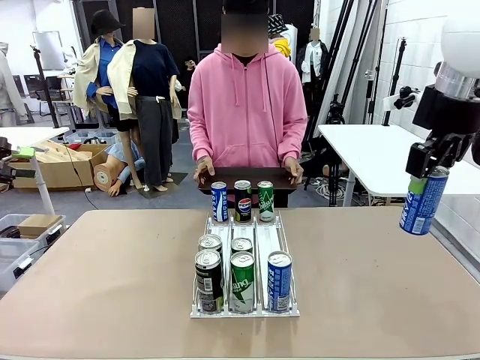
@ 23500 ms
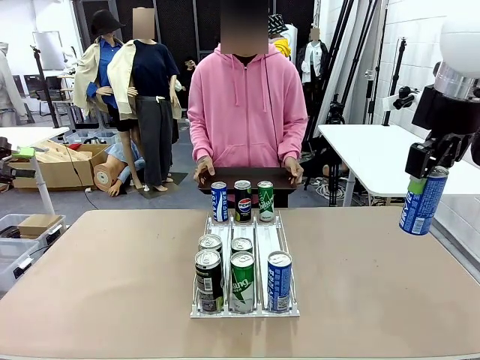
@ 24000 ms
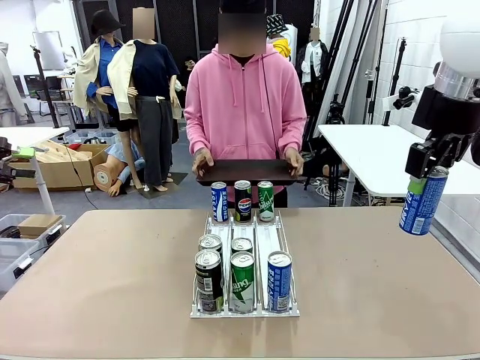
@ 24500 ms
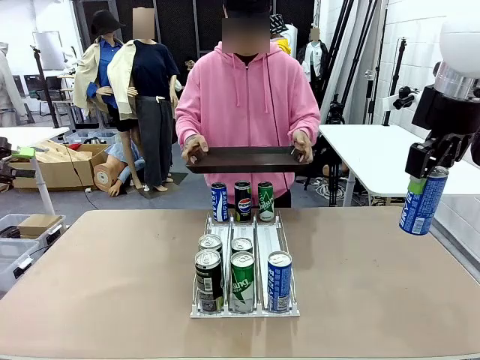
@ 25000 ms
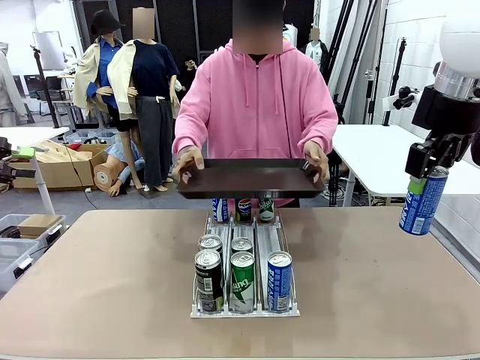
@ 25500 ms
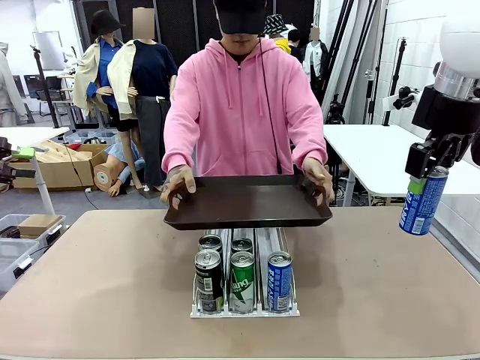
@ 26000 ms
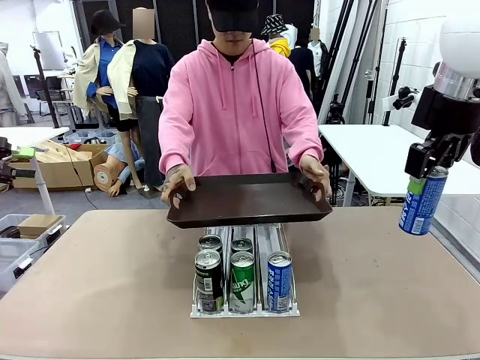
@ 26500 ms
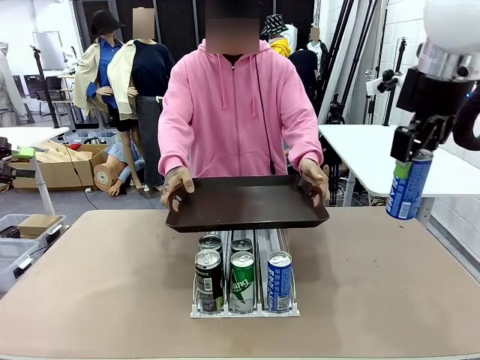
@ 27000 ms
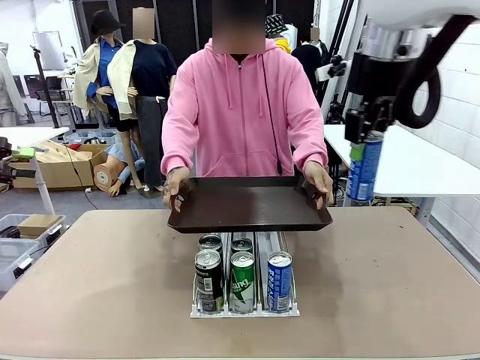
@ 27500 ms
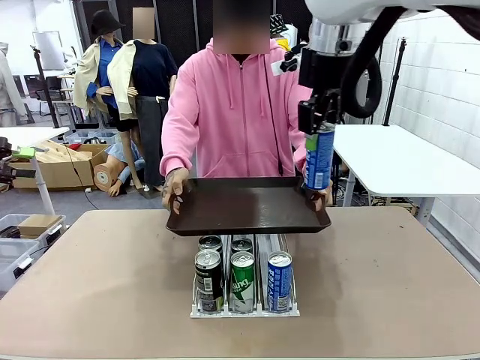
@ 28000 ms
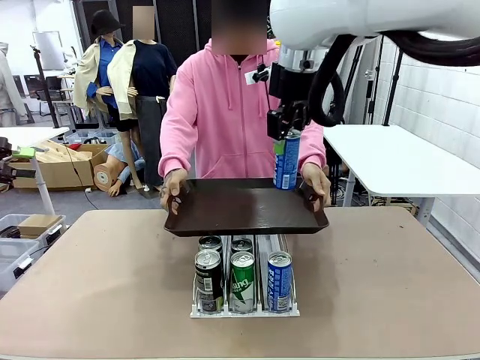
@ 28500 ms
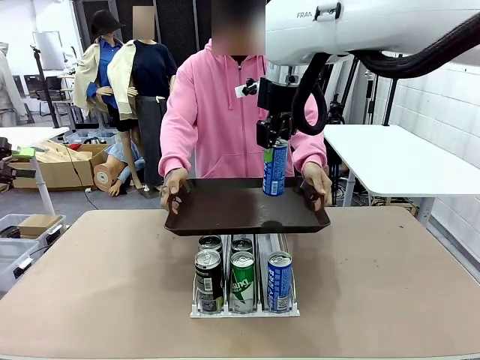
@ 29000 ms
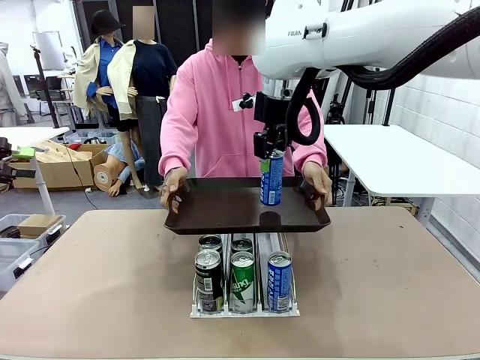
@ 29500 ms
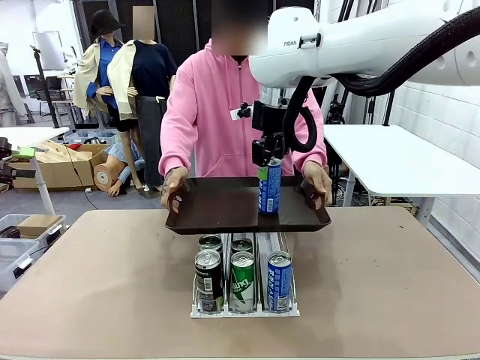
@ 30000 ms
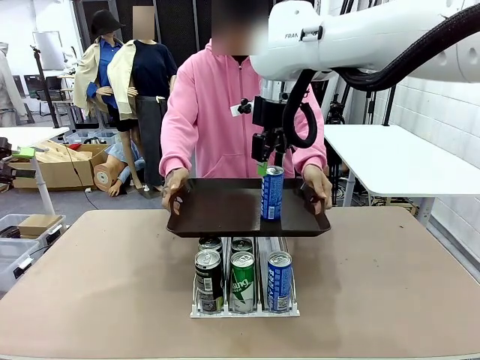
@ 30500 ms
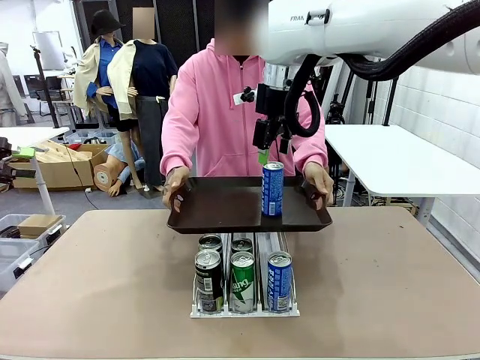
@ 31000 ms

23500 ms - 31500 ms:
Task: Retrieve and hand over the desired beverage to the person.
Robot: Place the picked can on the Handle tray extended by the person.

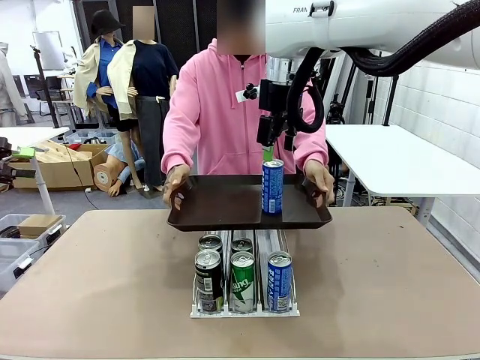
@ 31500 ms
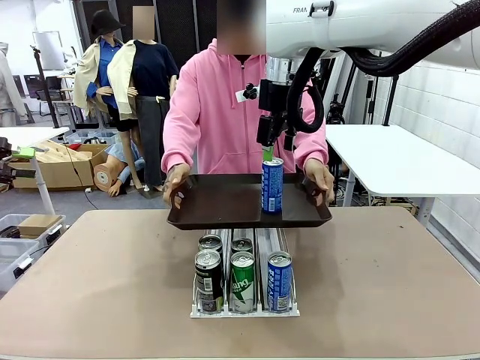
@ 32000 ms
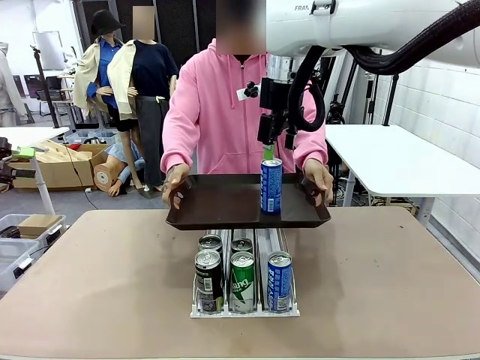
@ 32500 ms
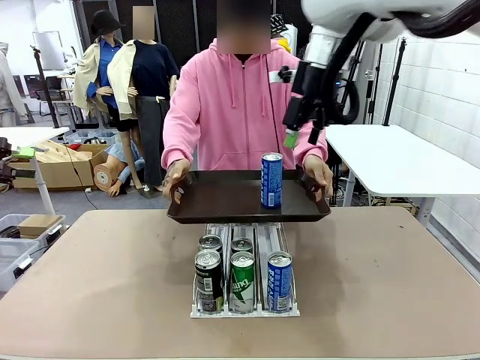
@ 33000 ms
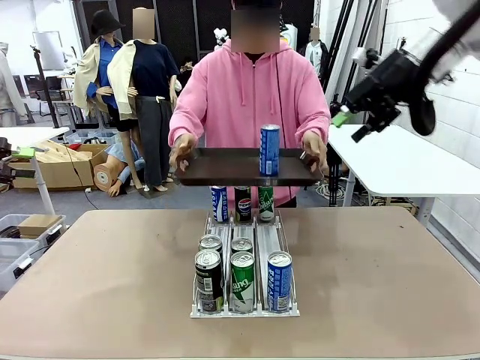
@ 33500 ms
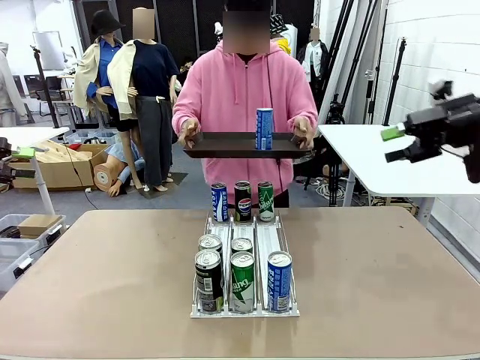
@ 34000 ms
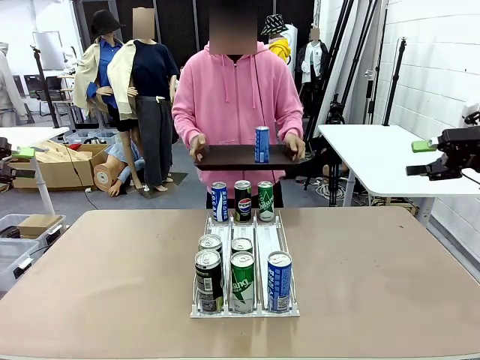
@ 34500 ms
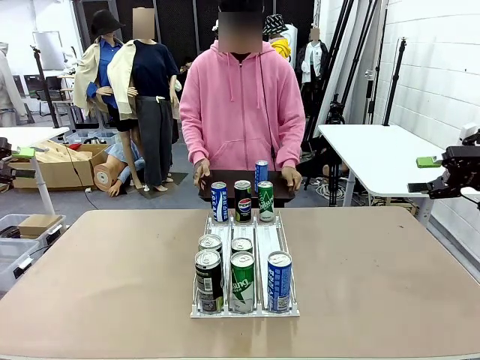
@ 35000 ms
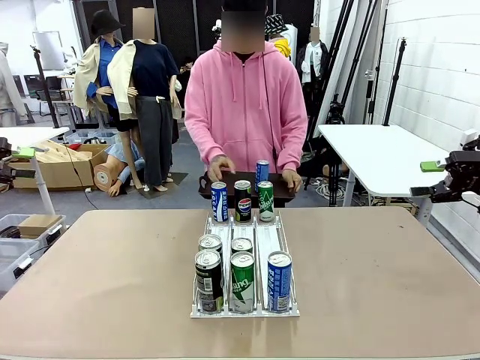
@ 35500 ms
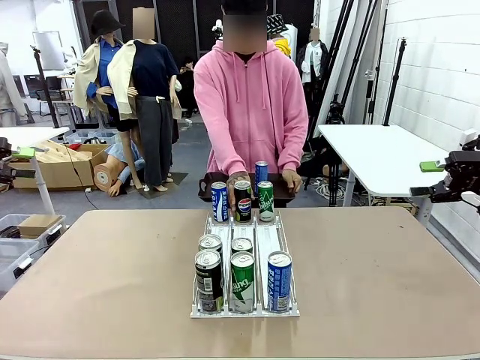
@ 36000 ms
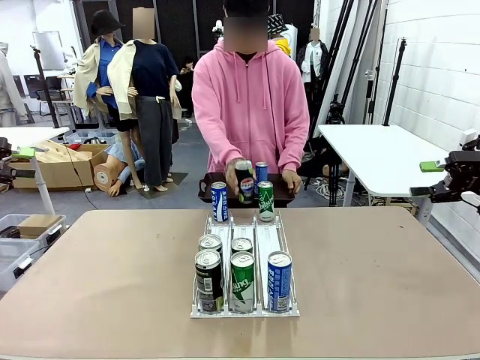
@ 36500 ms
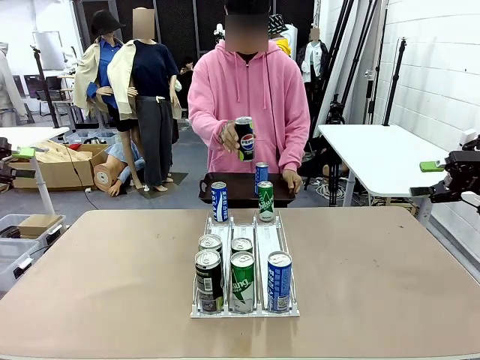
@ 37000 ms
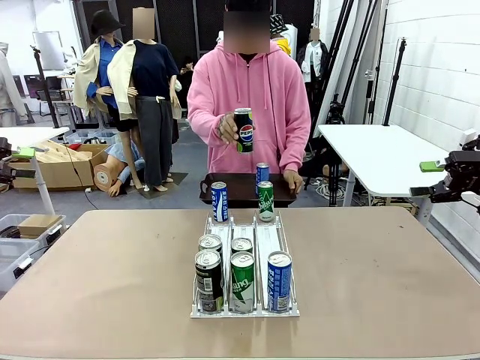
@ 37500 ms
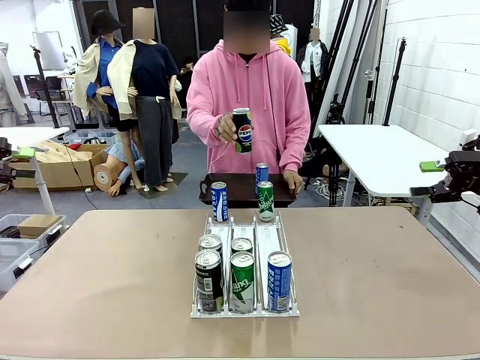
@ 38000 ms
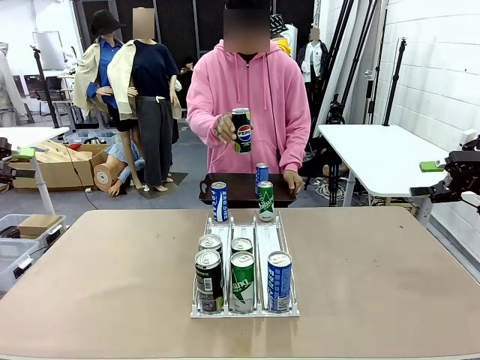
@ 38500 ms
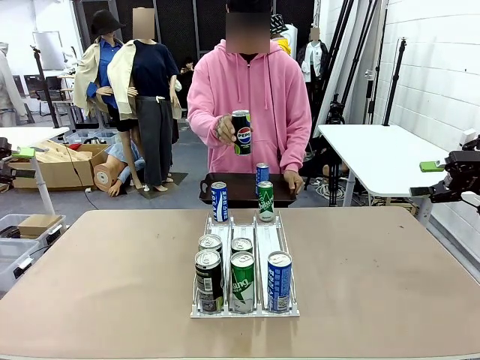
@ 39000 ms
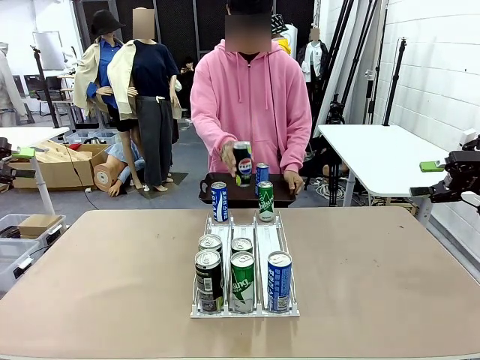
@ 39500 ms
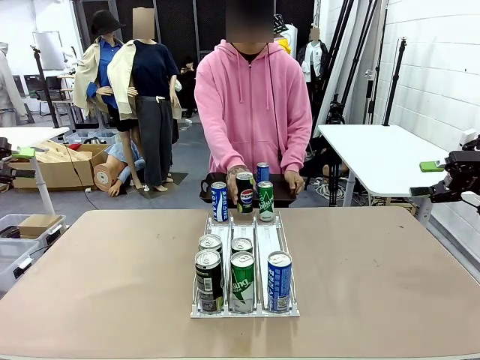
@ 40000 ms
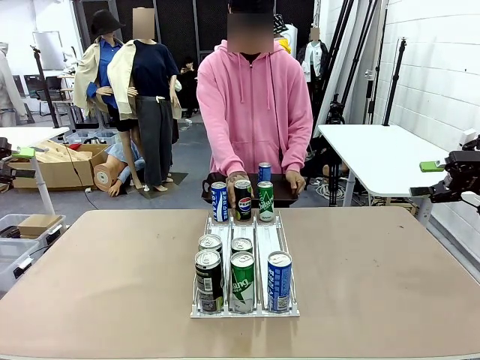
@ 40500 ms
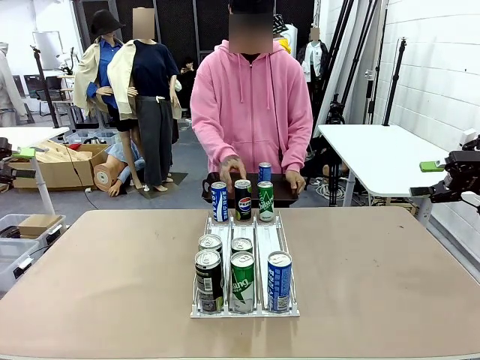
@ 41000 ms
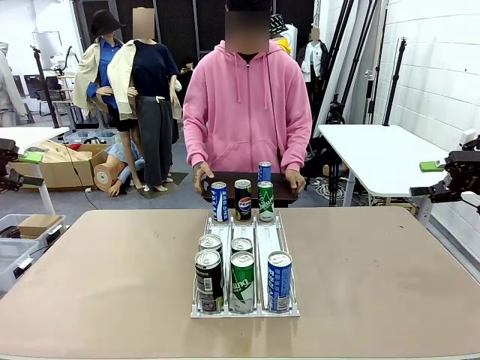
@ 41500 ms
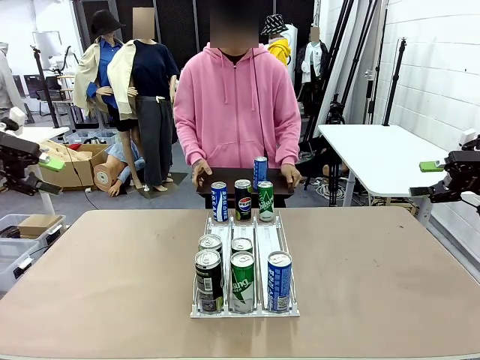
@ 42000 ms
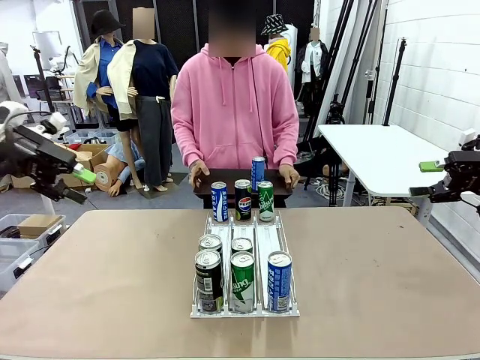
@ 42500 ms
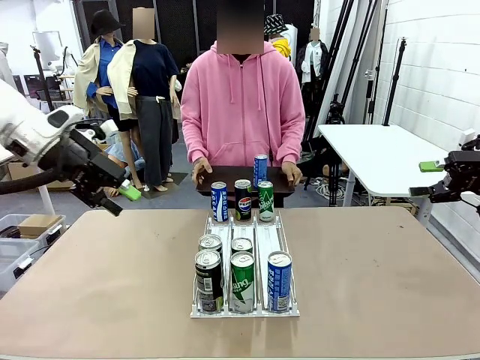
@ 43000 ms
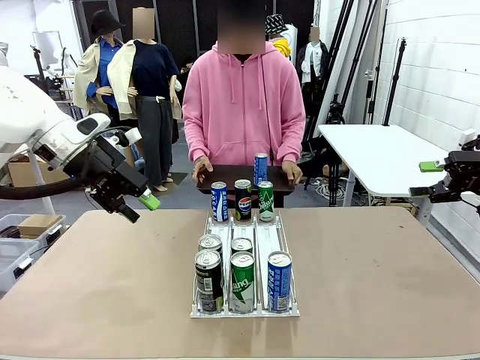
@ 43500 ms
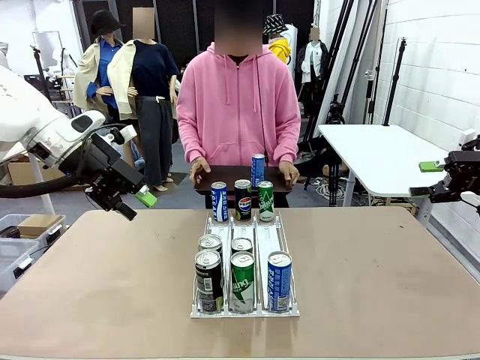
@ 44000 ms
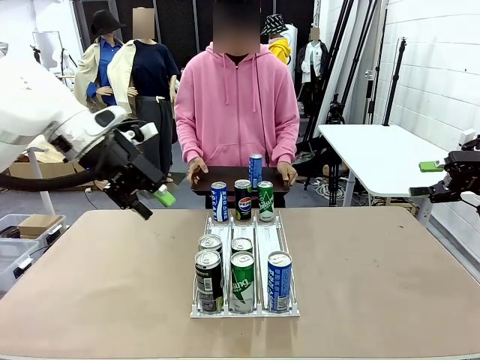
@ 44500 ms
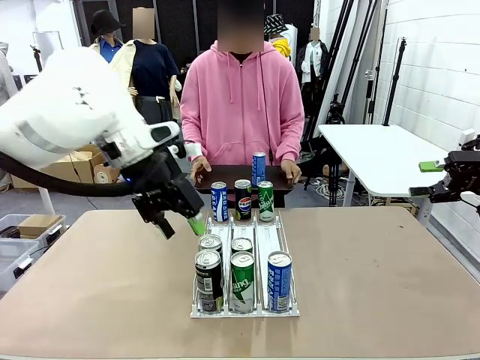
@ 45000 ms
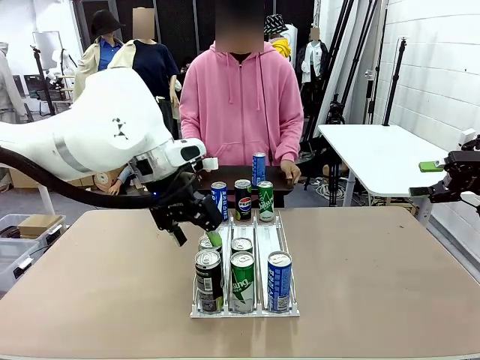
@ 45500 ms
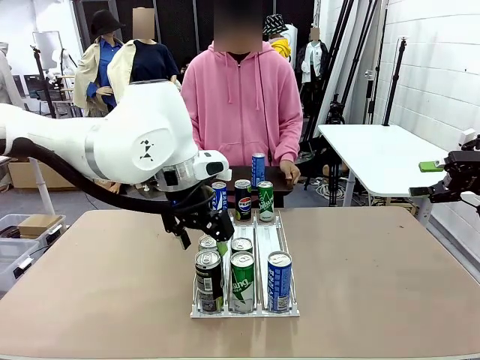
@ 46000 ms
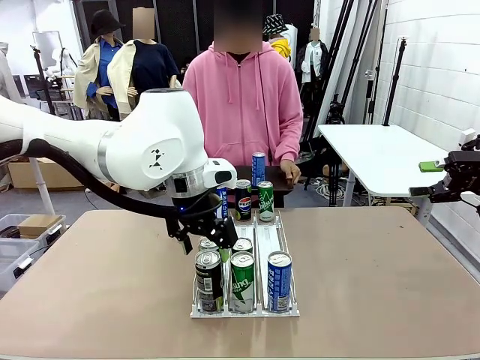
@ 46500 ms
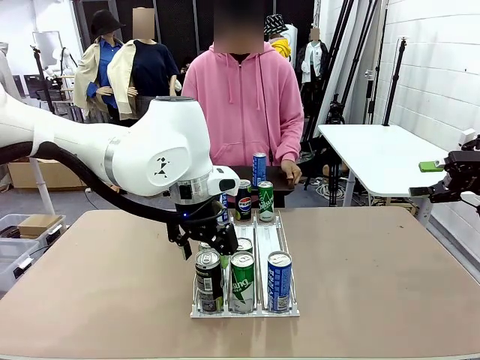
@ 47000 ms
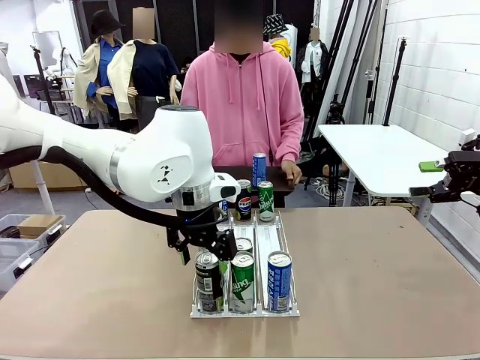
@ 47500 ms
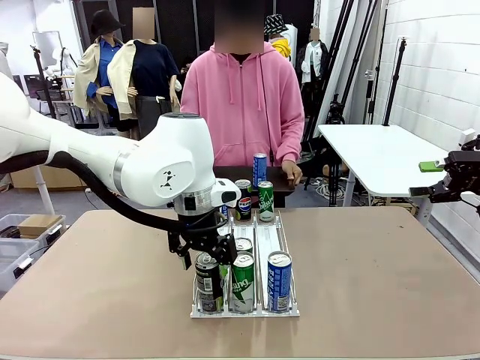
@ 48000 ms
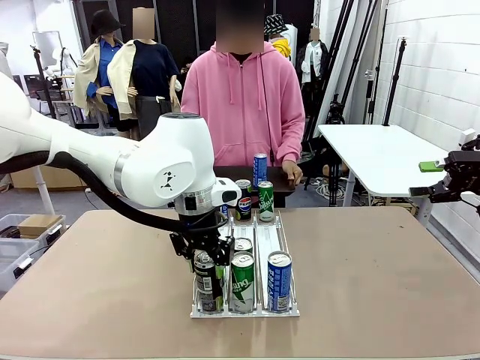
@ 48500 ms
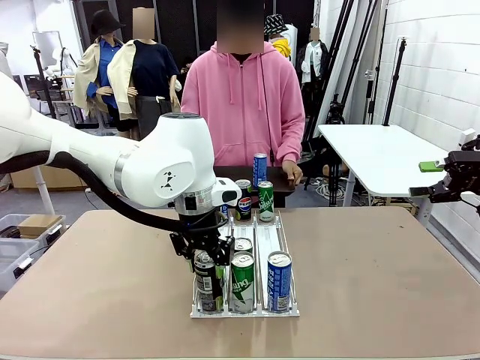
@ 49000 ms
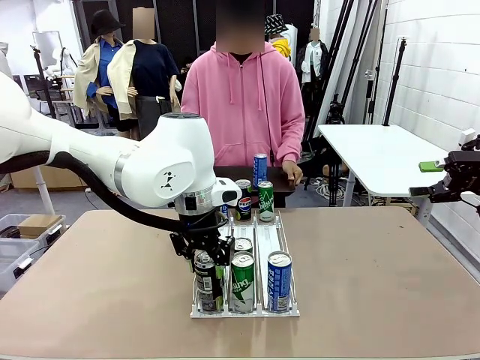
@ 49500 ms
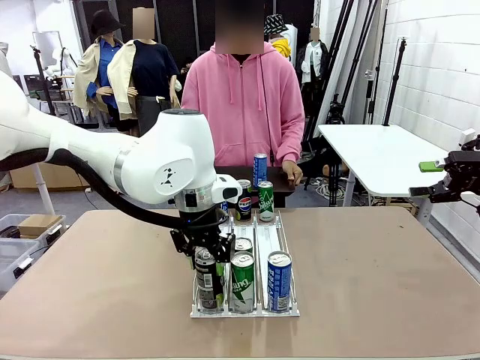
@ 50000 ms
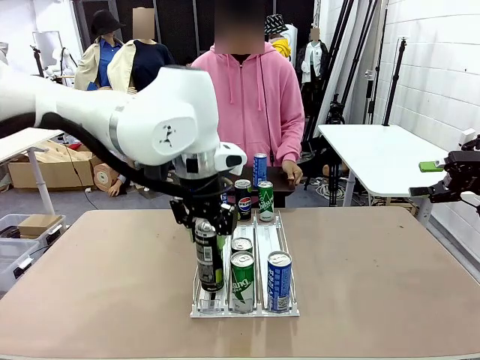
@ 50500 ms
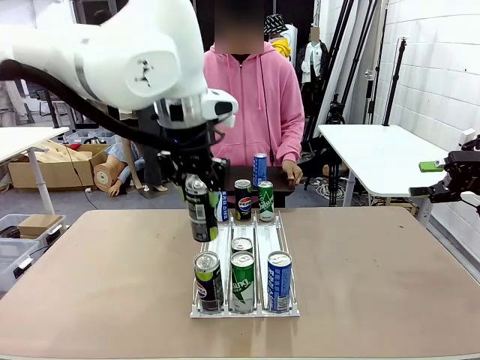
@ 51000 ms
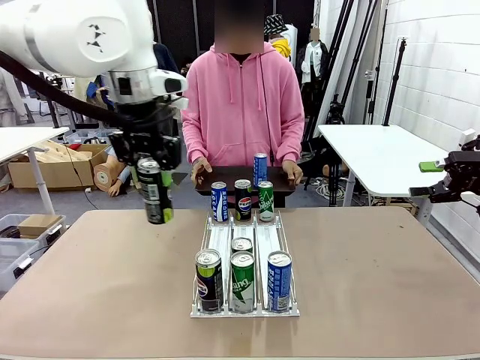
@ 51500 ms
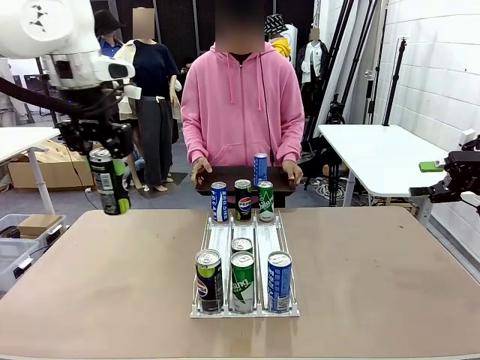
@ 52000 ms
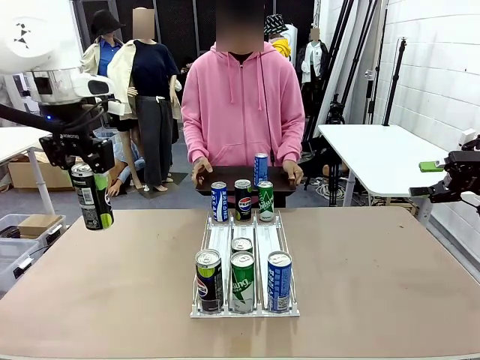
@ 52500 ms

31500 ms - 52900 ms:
Robot: Pick up another can of the same type that the person held from the Automatic Can Dispenser.
Person: Pull the tray back, then pick up another can from the bottom area of the table and puts it back in its original place. Push the tray toward the robot again.
